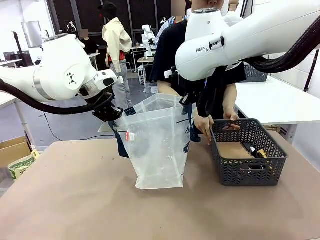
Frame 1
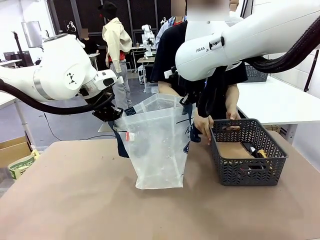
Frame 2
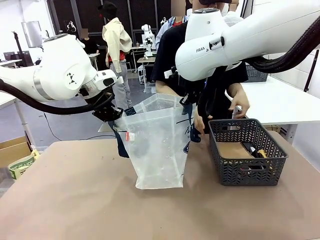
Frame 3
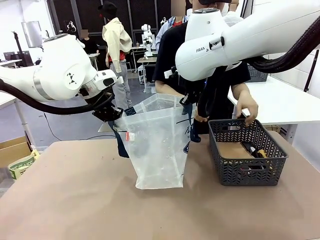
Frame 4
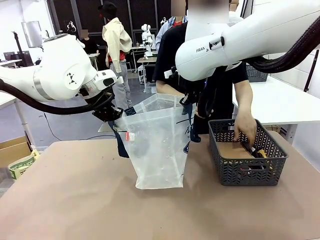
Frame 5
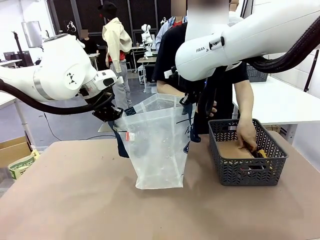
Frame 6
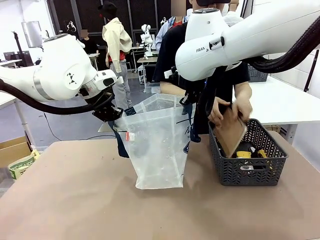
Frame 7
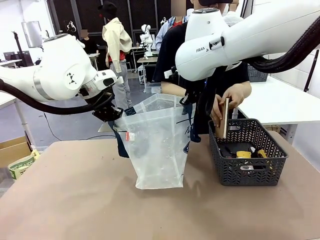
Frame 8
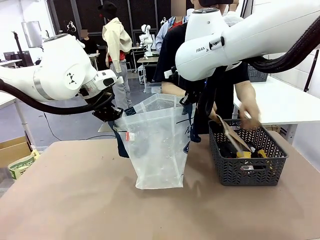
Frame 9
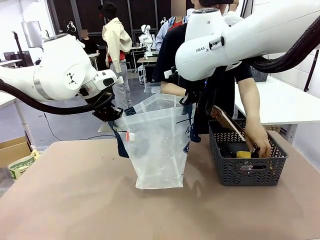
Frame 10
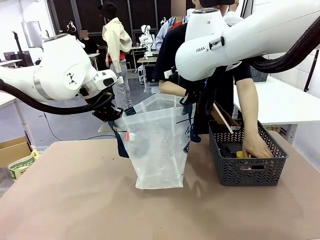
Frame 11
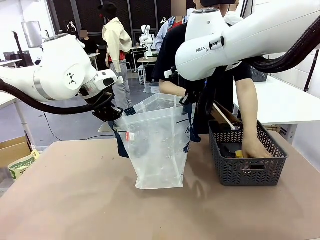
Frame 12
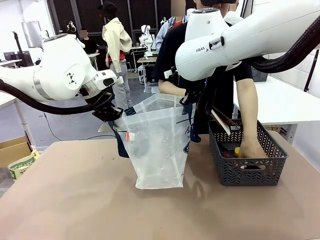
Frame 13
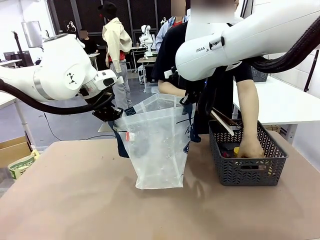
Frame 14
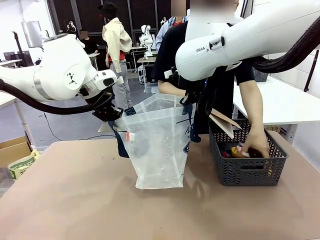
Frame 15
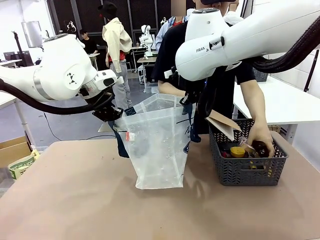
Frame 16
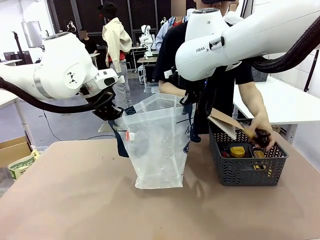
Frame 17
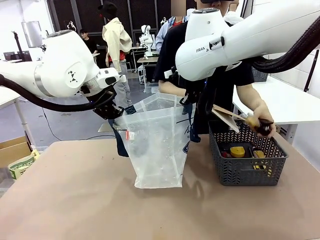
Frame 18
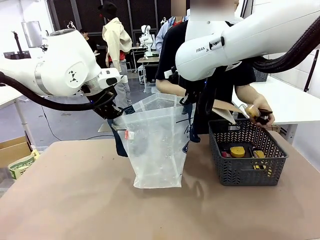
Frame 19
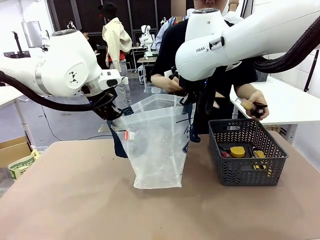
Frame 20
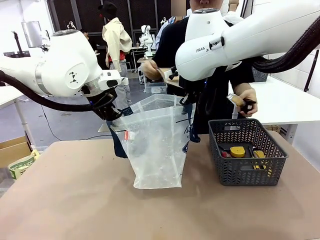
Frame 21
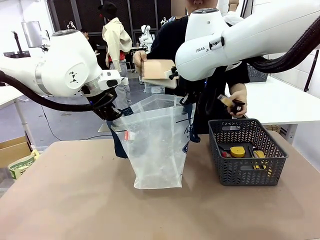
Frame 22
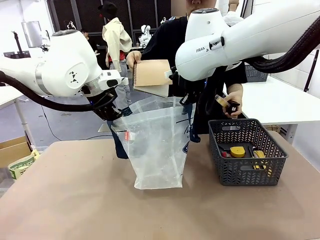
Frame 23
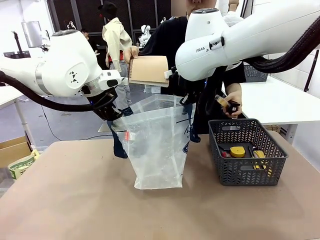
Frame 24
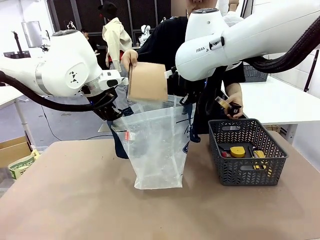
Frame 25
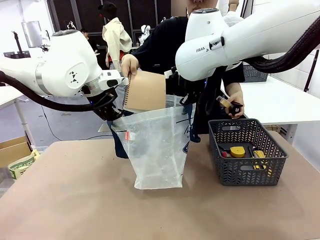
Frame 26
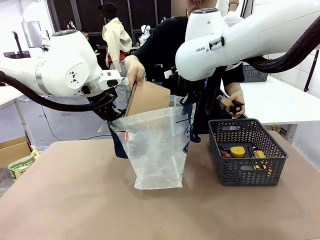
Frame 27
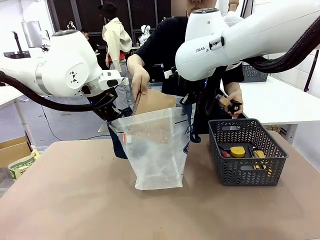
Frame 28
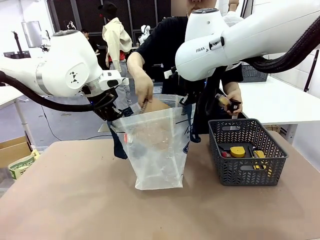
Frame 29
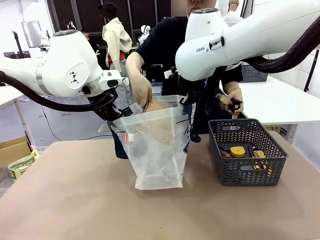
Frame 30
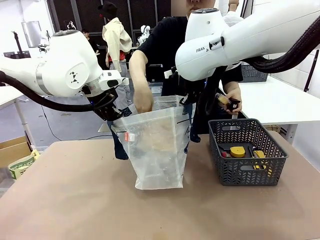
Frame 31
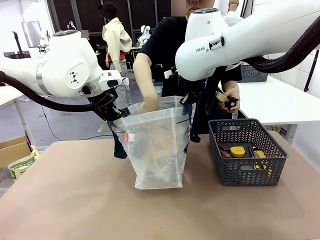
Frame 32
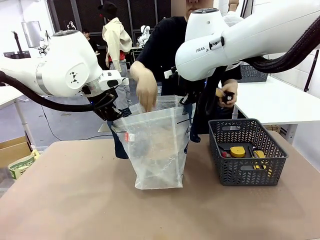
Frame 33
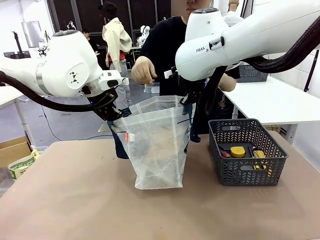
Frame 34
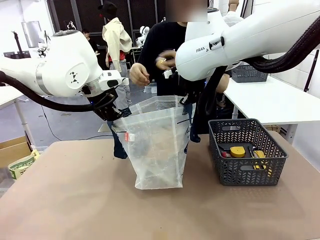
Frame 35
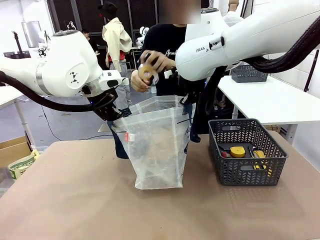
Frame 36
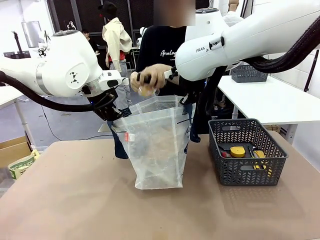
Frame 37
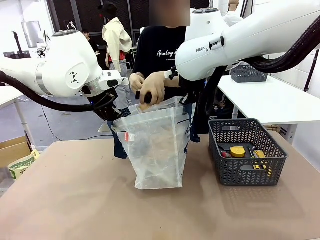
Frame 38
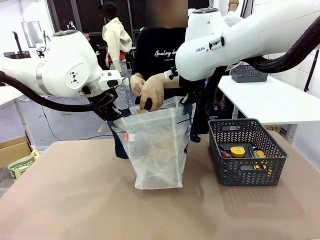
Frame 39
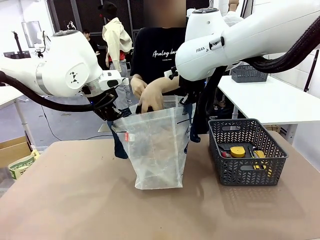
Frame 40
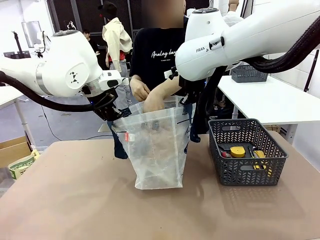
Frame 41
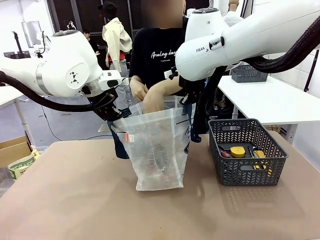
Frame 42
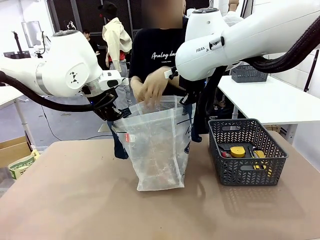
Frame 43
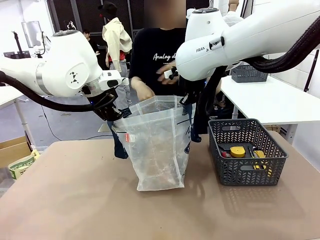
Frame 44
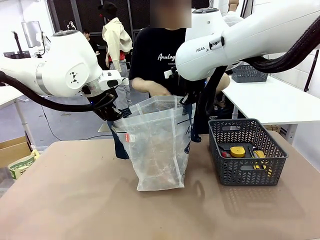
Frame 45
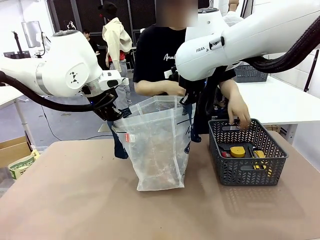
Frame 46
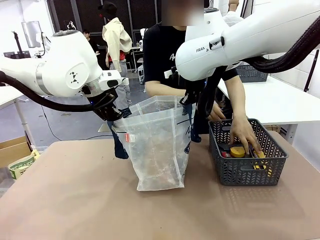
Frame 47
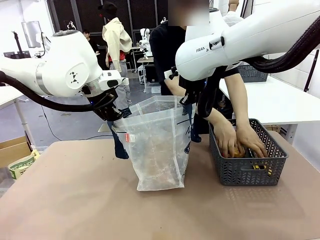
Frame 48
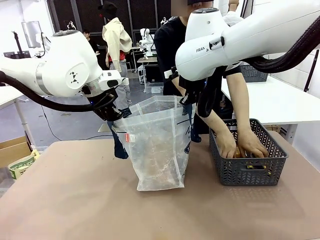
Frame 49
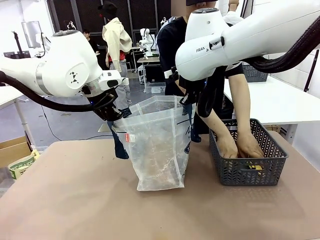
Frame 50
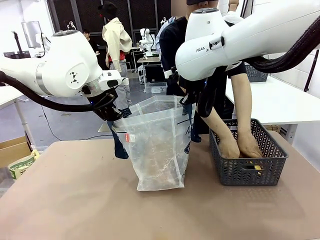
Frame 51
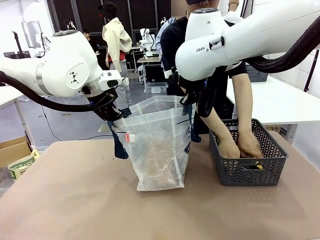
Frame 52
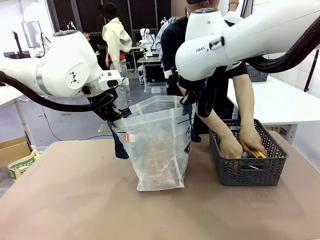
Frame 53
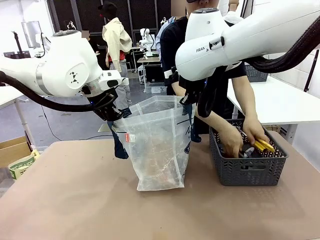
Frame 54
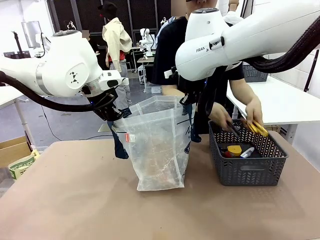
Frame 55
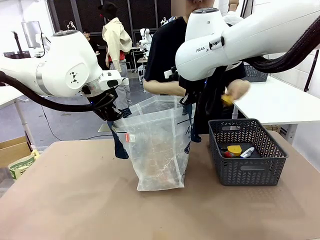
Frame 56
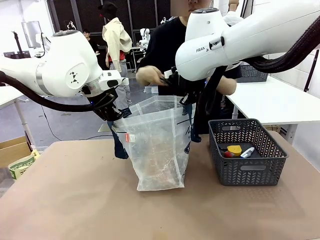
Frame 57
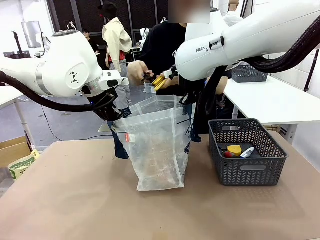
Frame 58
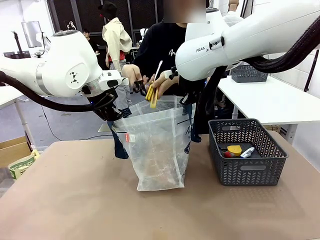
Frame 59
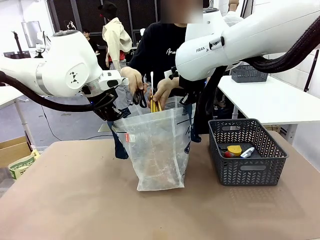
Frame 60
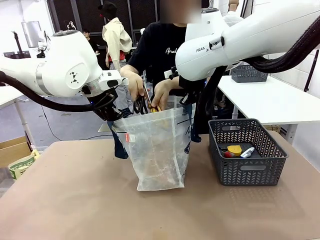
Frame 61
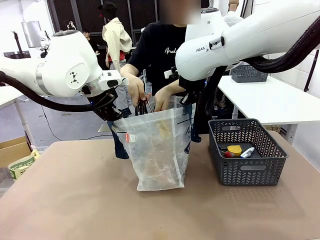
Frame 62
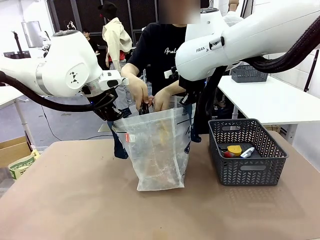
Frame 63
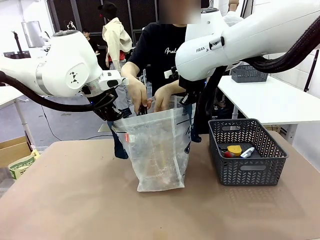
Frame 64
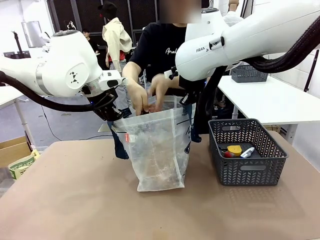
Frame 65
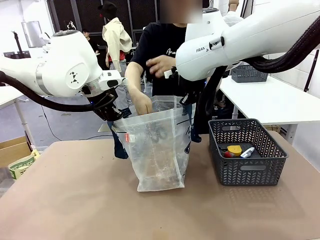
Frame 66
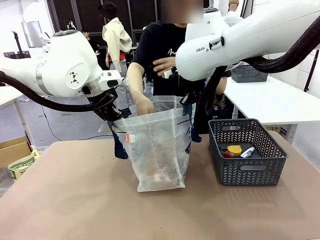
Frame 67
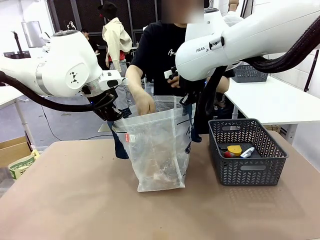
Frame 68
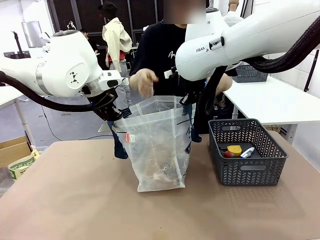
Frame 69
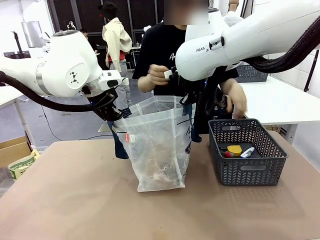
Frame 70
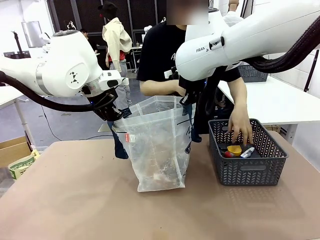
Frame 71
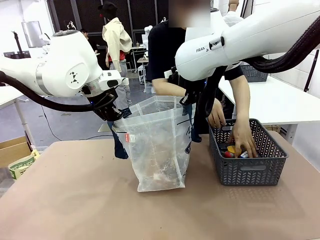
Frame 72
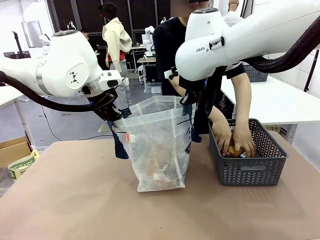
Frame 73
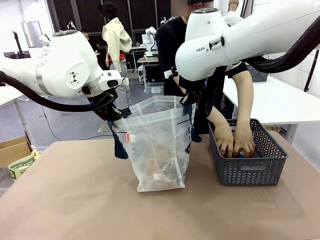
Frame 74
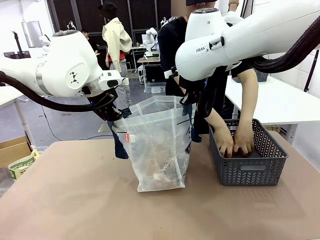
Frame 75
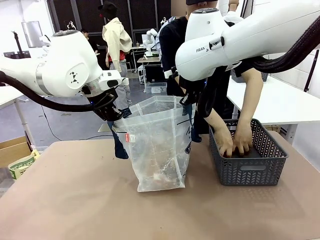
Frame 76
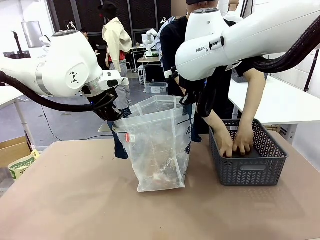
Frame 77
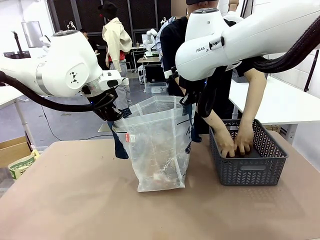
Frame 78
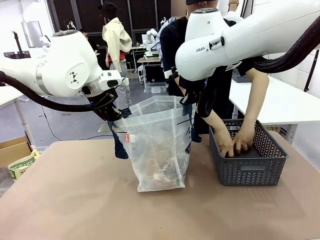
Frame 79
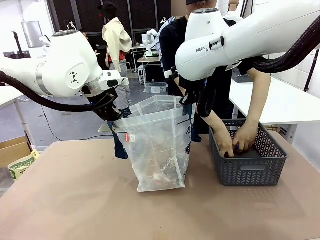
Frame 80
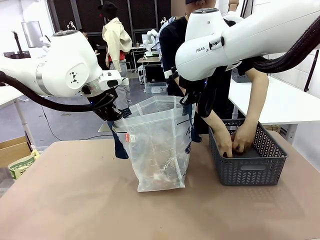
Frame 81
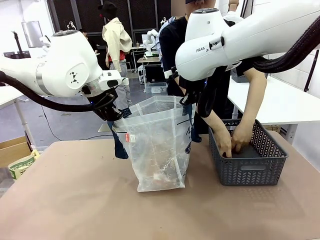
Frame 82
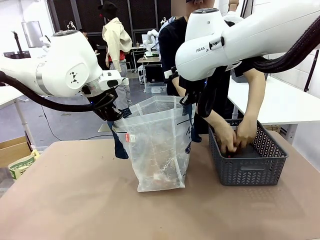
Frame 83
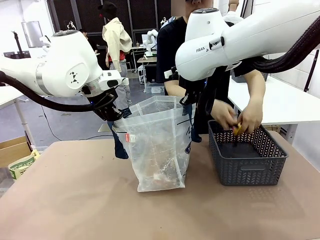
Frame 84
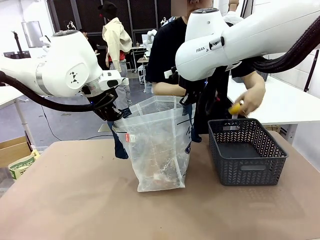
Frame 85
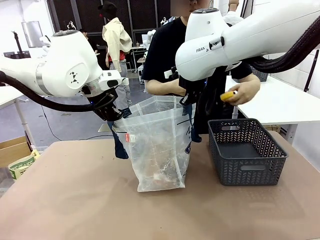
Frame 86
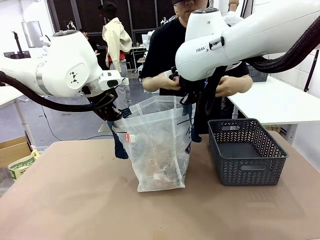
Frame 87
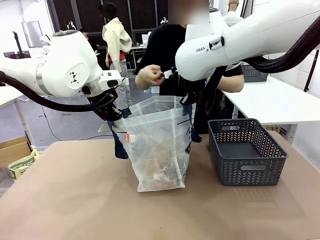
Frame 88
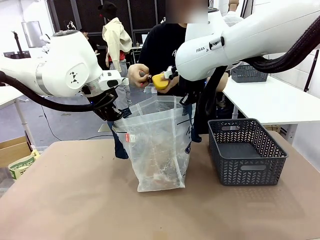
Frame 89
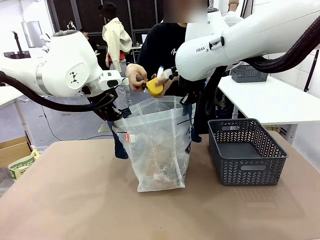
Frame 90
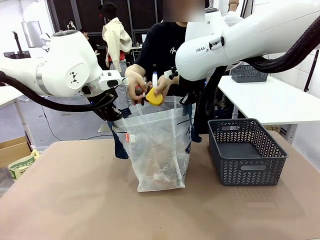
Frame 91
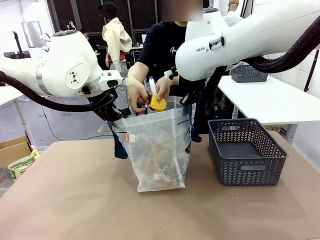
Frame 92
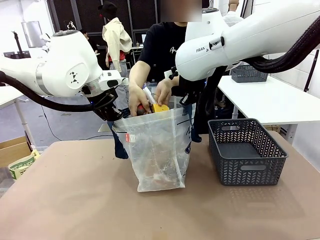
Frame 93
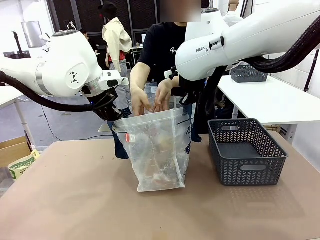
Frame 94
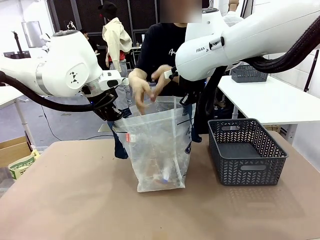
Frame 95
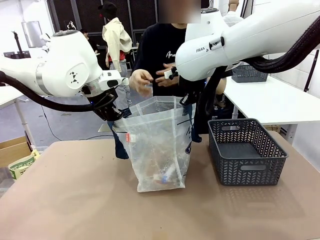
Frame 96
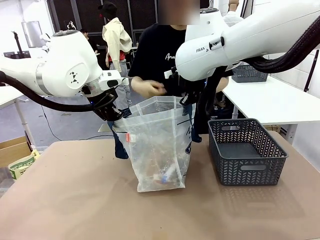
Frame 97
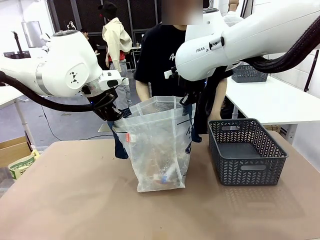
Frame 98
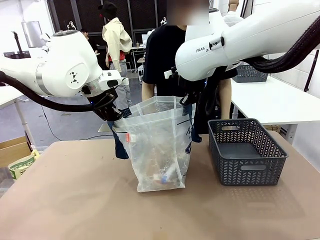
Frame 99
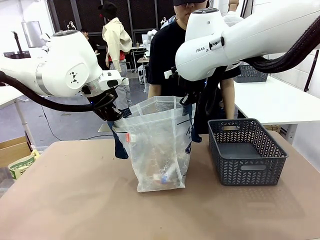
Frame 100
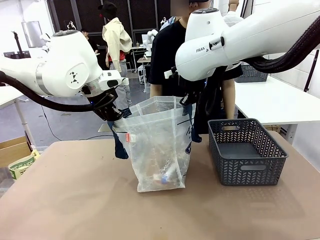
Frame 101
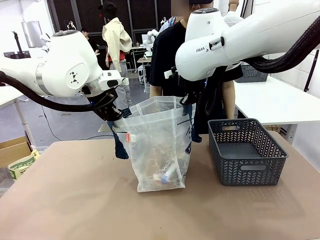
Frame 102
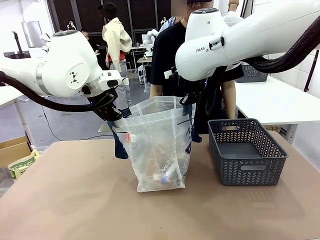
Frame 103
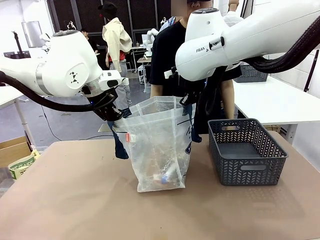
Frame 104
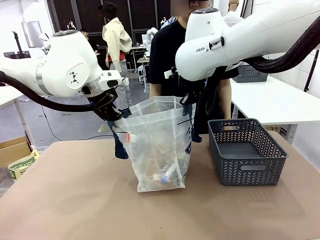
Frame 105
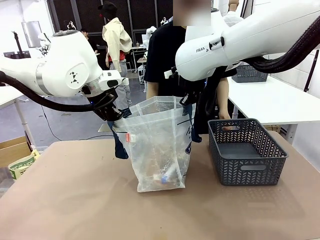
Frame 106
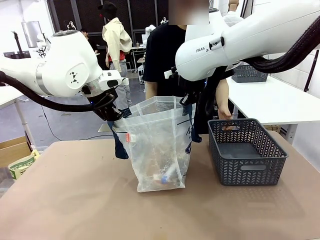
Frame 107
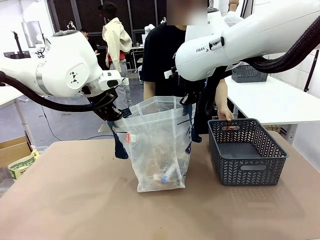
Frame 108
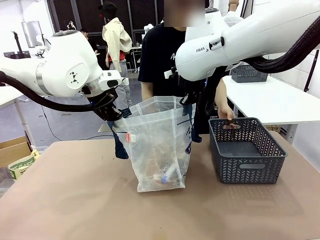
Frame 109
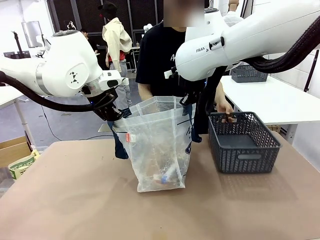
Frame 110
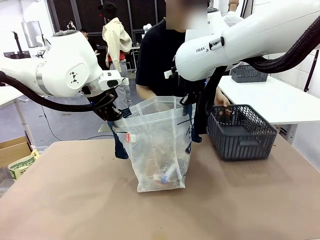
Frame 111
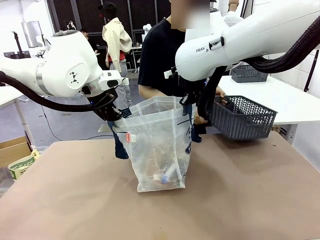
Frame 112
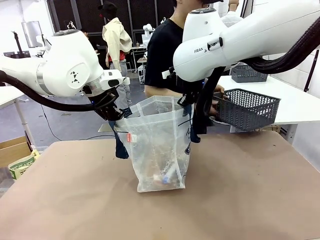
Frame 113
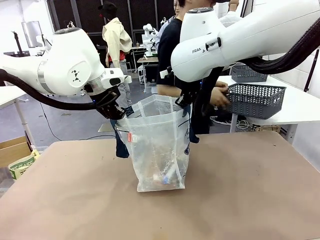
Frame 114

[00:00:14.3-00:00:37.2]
Task: Transfer purchased items from the store into the shopping bag.
Robot: Move the Reusable shopping bag to the right side of the table.
Person: Pick up the basket on the right, place it on the left side of the robot table, and move the items in the basket to the shopping bag.
